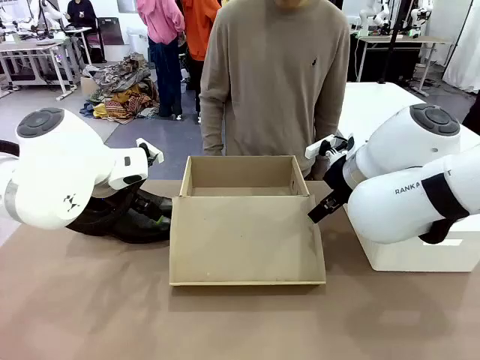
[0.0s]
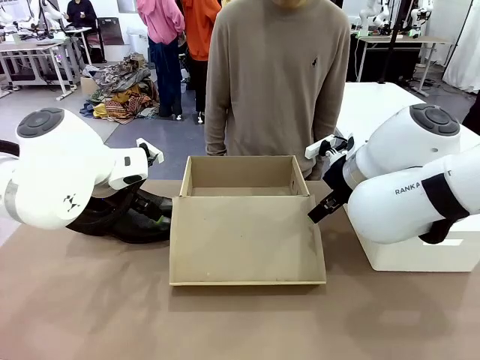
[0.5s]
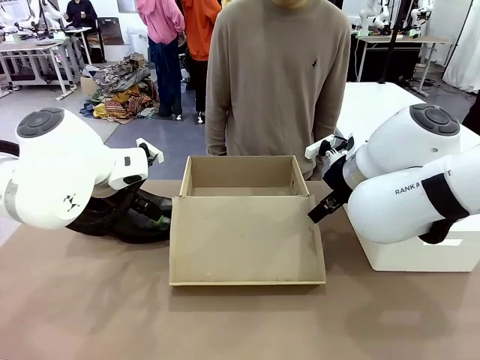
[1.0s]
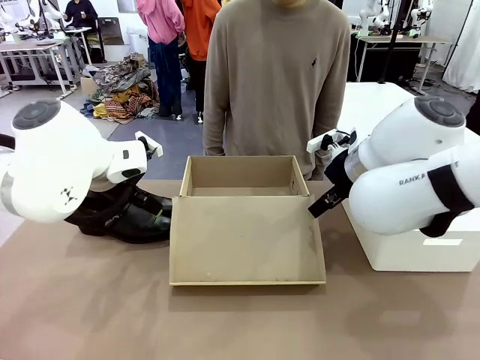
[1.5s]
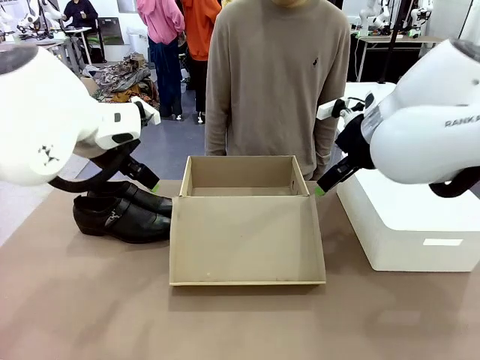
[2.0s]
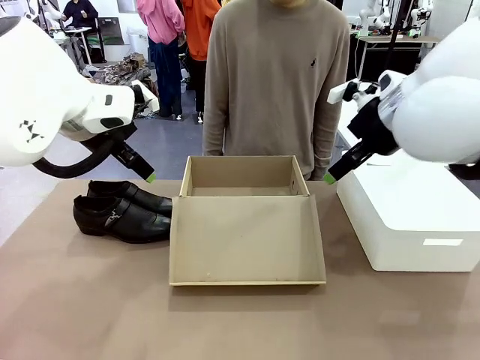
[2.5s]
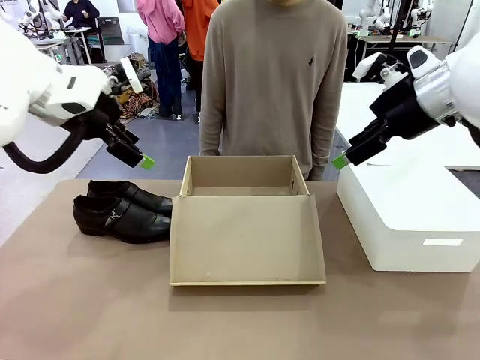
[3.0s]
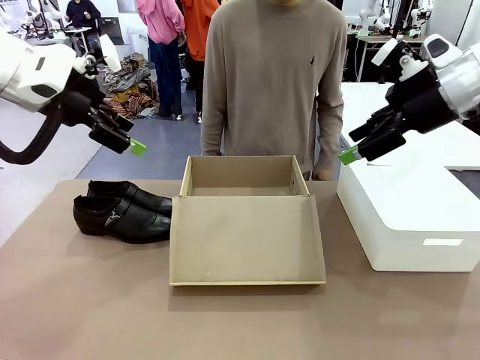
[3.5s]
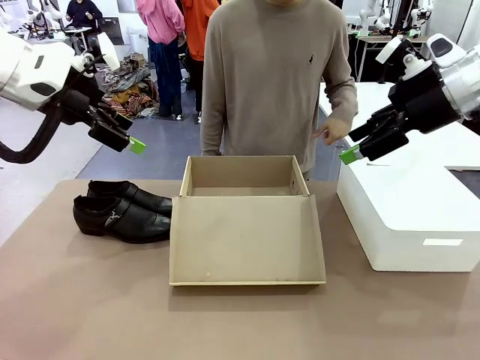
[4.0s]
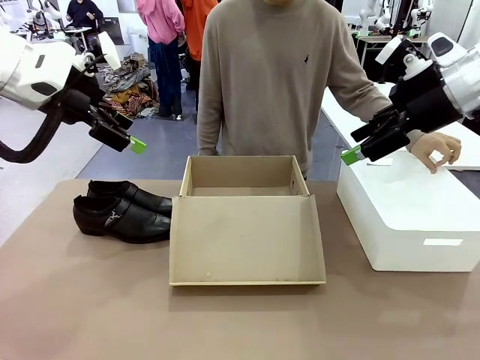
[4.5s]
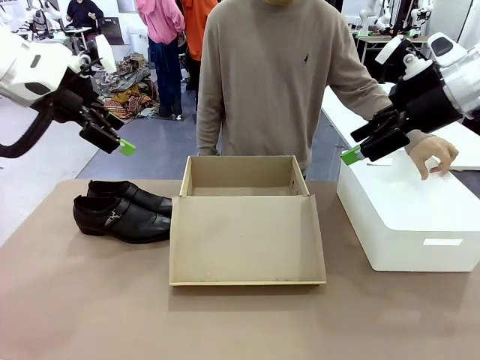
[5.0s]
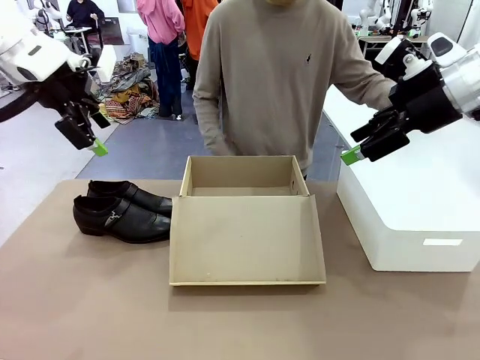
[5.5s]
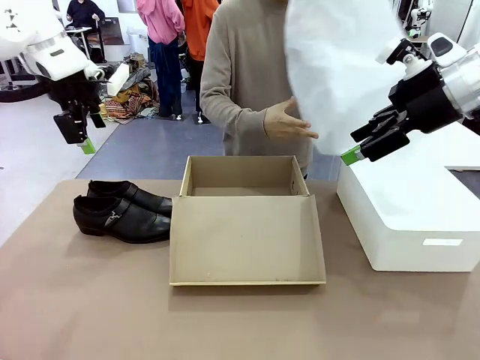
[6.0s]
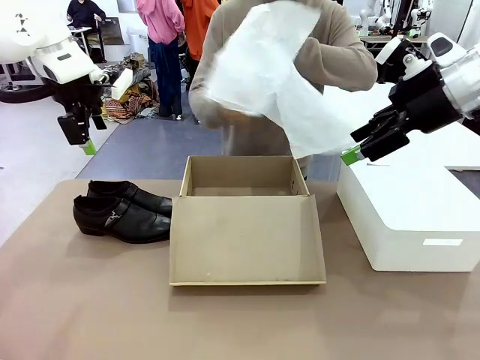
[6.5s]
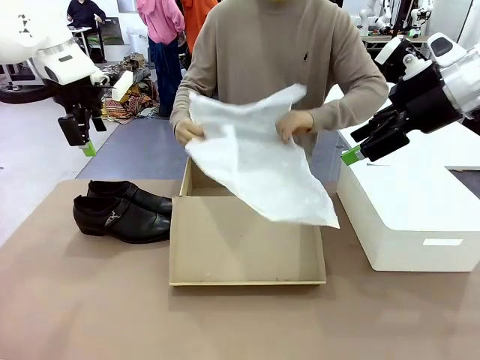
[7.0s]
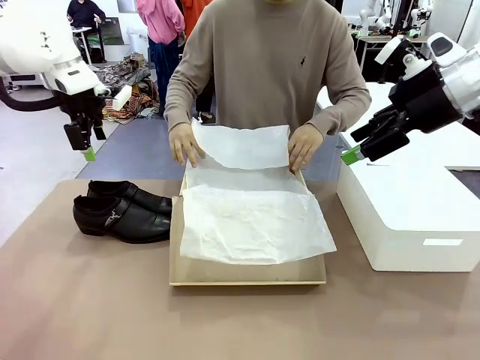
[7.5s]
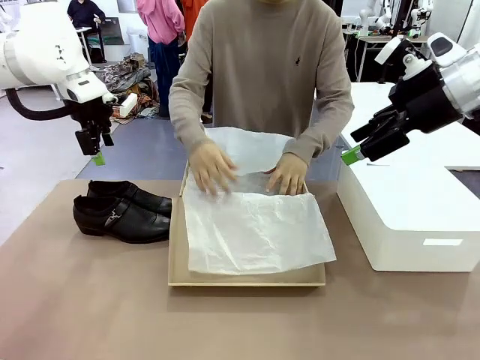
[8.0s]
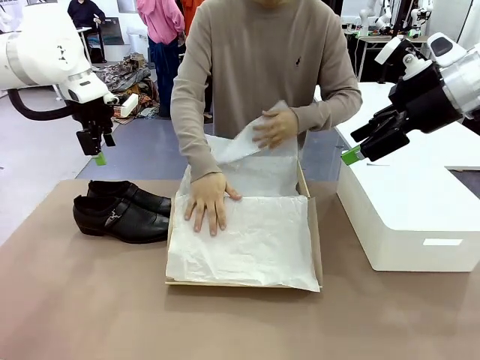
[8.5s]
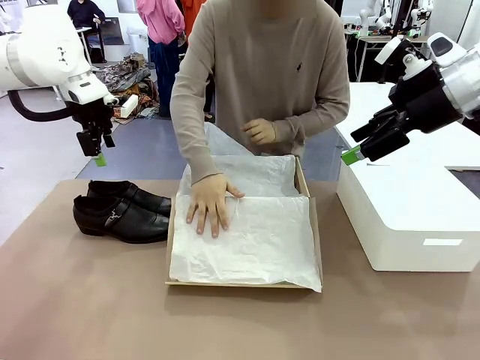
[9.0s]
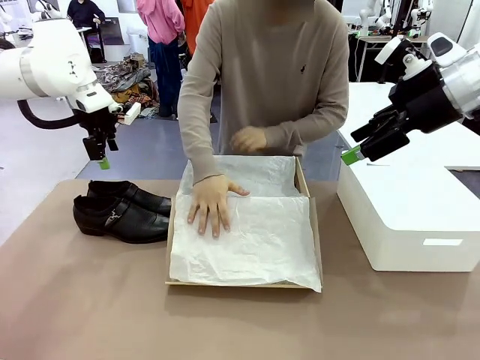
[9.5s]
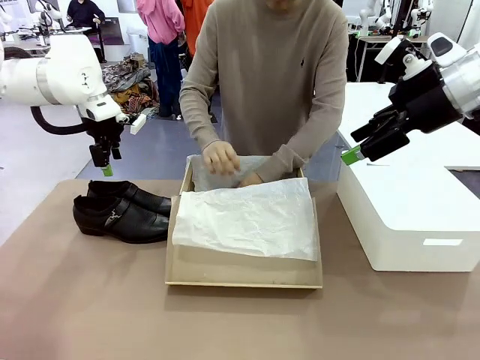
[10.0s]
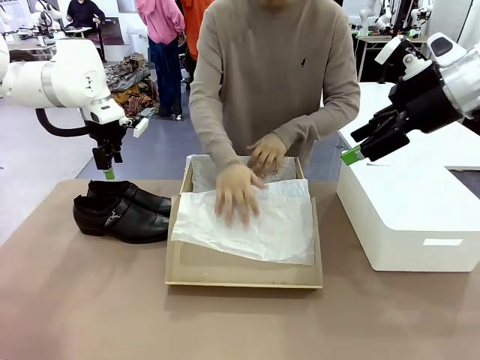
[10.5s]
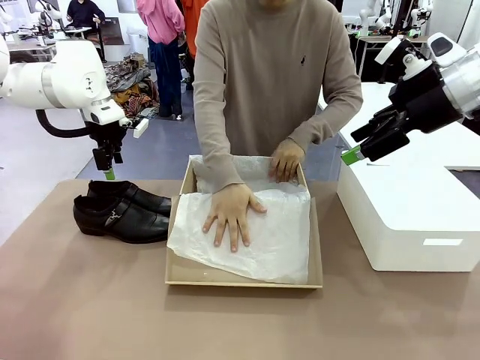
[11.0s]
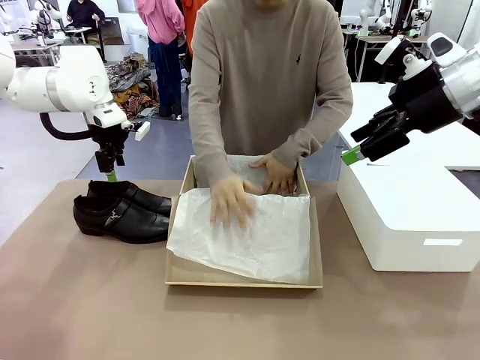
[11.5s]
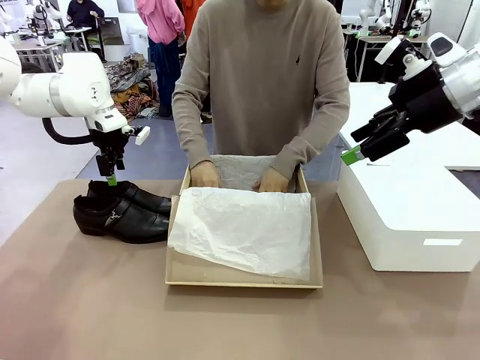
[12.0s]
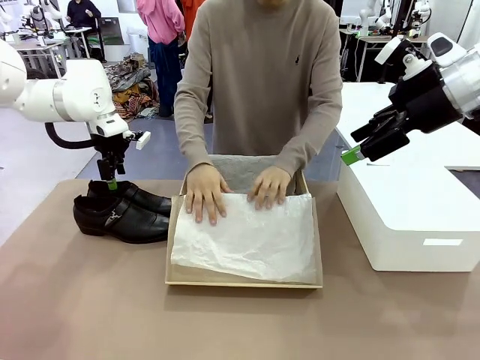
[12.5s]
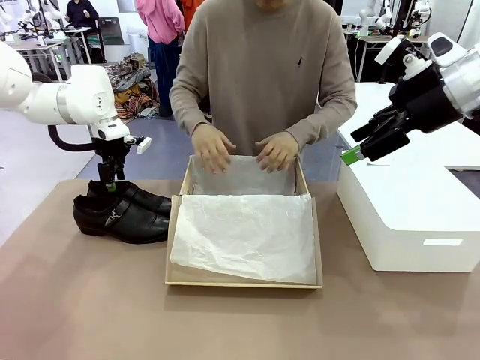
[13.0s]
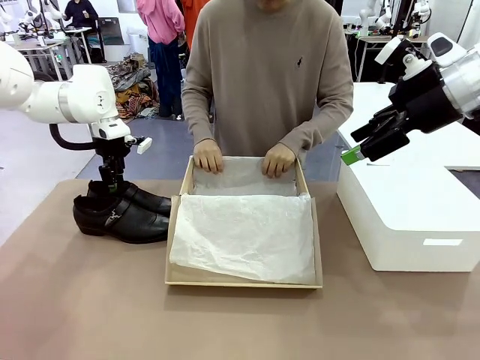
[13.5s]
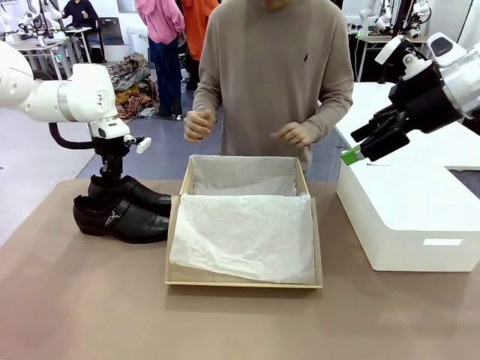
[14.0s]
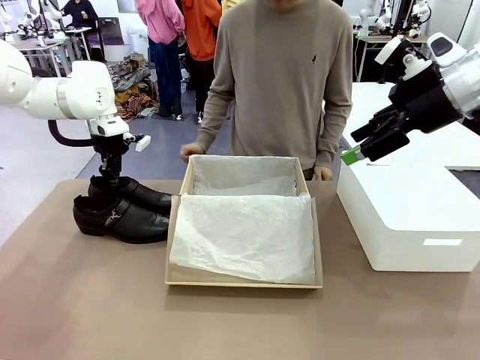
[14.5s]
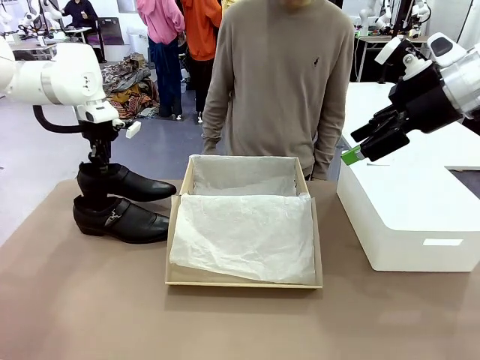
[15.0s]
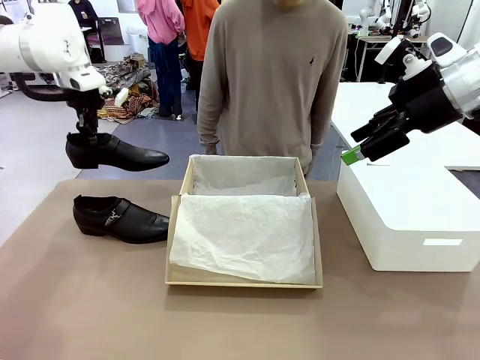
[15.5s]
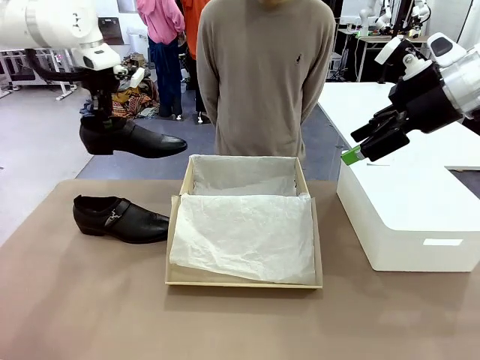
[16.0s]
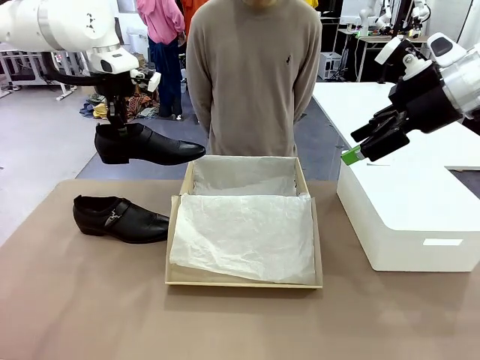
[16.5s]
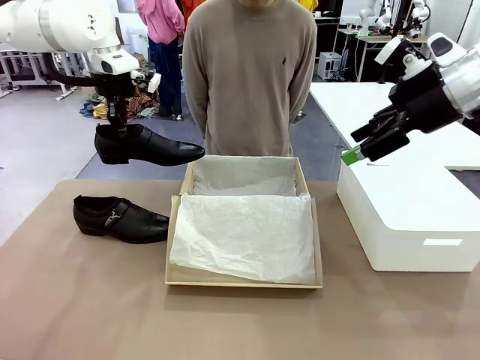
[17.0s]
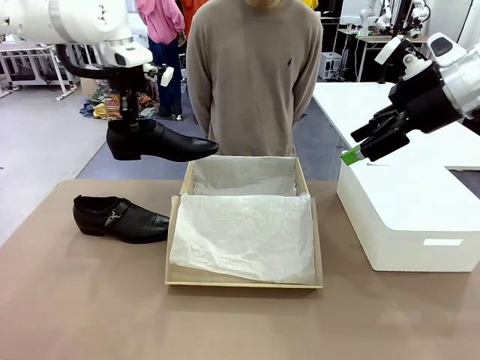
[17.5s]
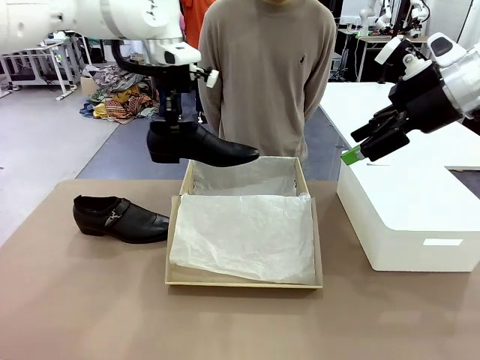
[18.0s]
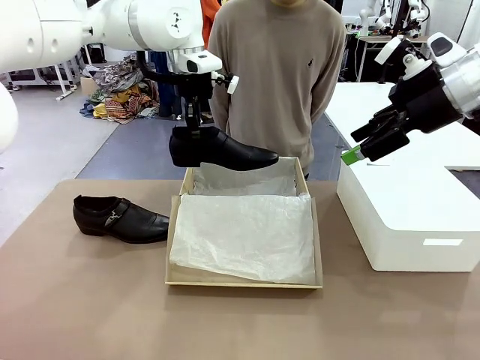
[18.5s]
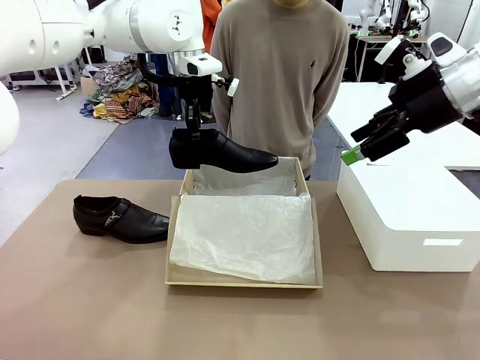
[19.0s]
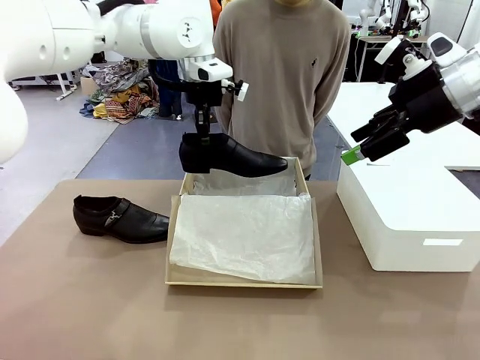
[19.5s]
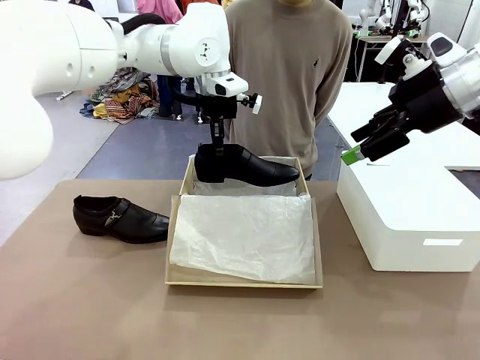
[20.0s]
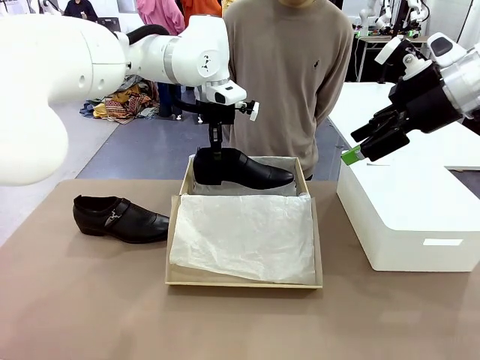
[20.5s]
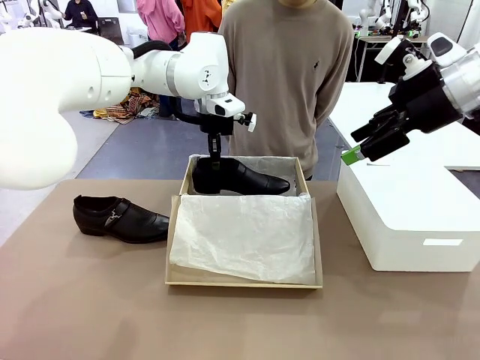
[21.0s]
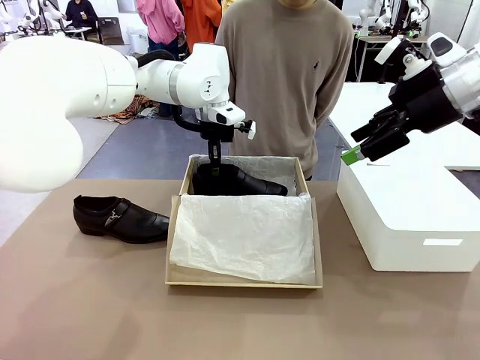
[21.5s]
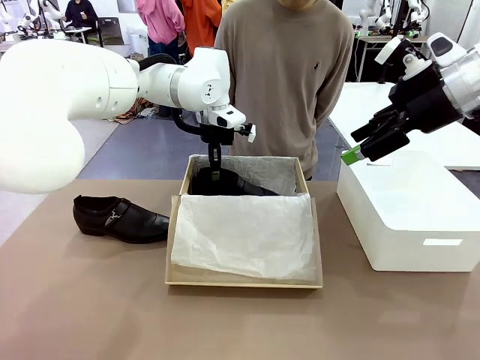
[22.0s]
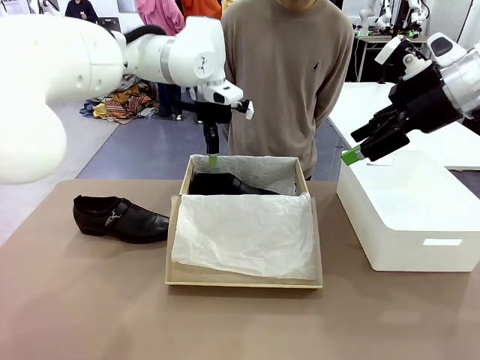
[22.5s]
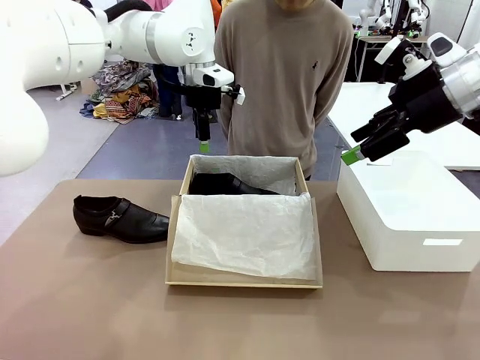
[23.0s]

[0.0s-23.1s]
Task: Pack the shoes into the box.
Robot: Place one shoe of the Shoes into the Shoes Box.
Person: Spread Shoes Wrapping Paper and place inside the Shoes Box.
